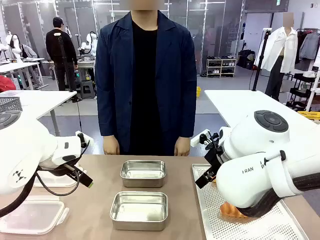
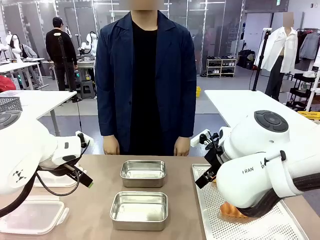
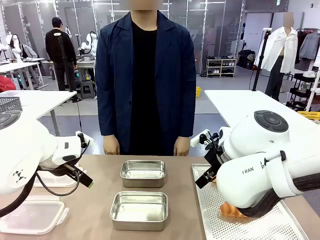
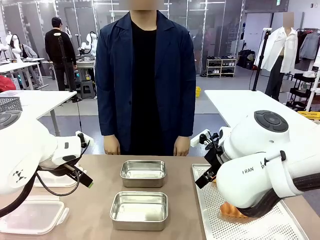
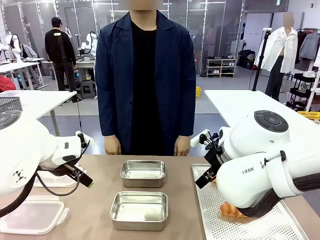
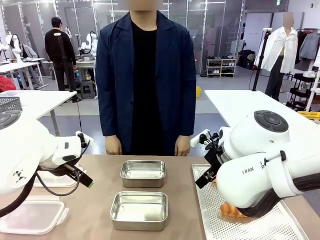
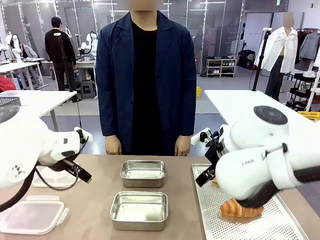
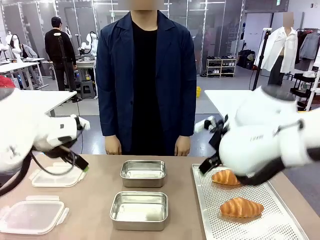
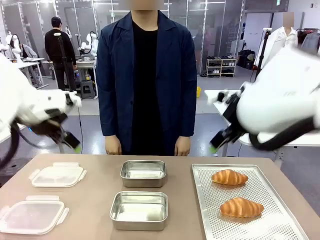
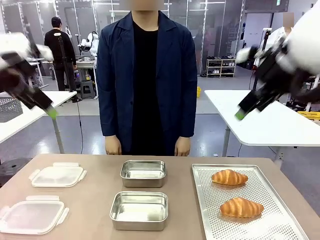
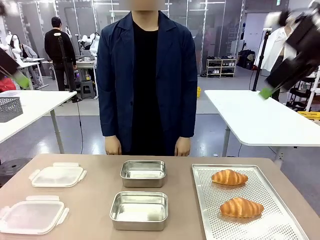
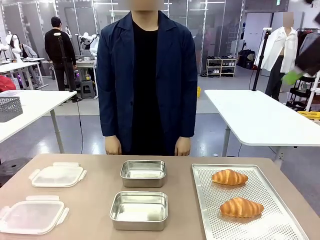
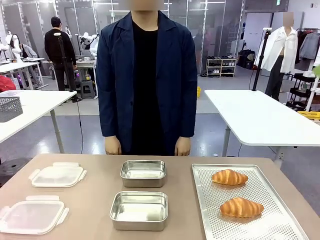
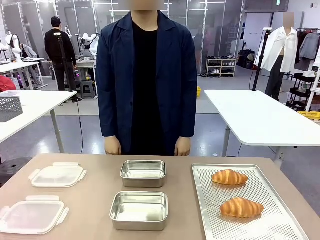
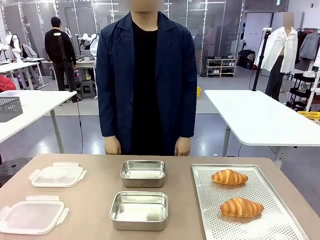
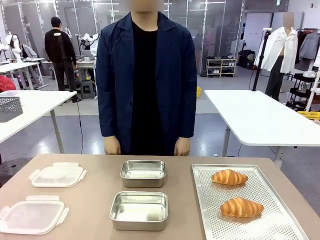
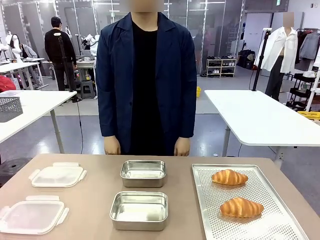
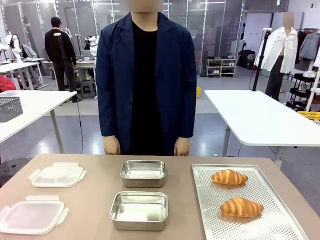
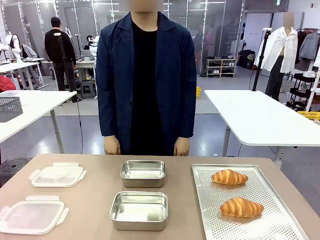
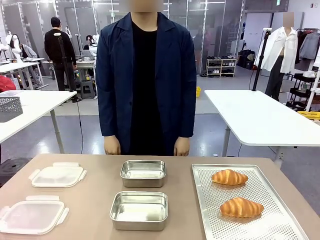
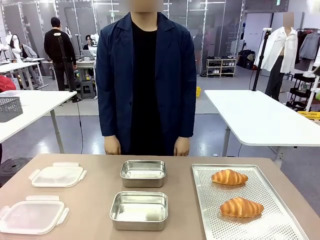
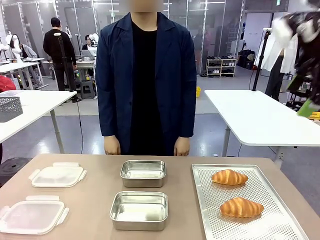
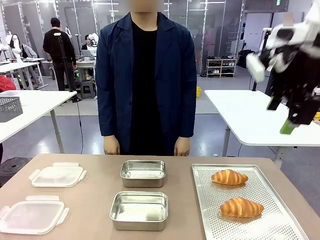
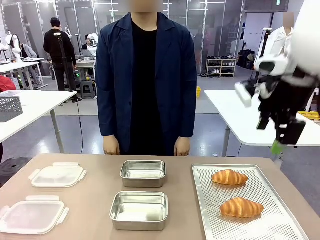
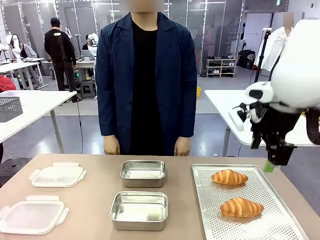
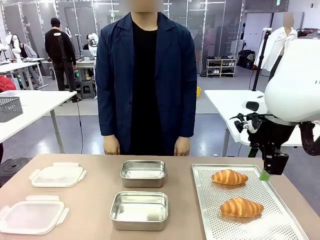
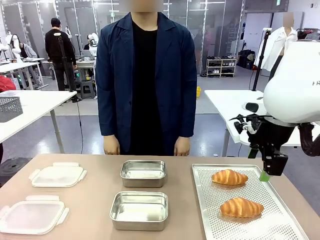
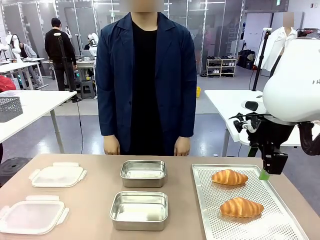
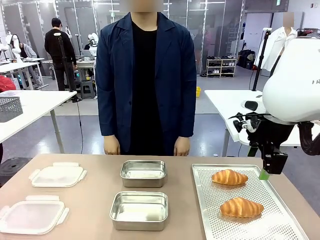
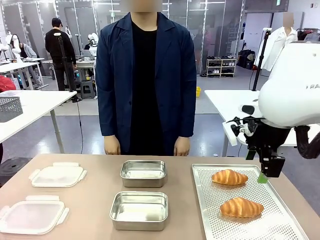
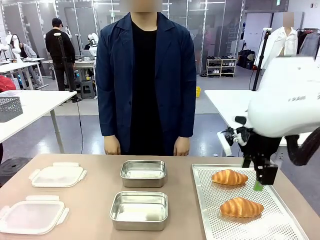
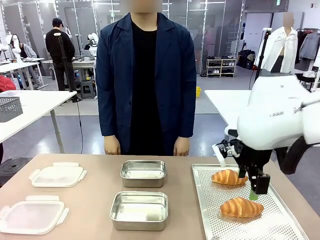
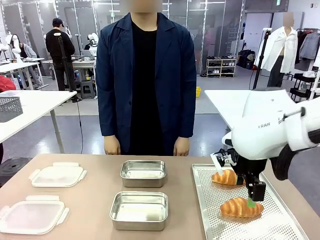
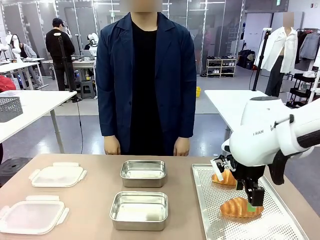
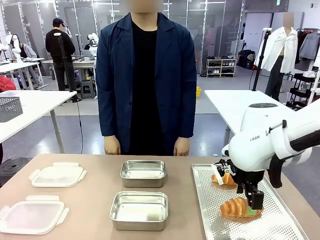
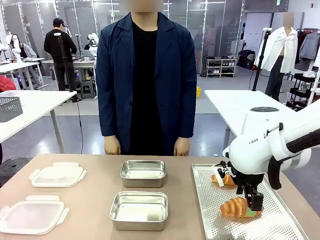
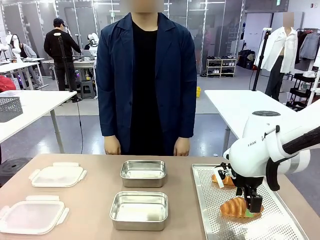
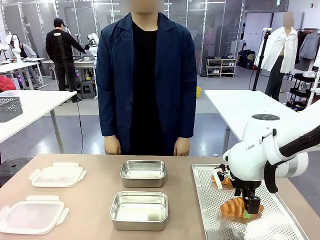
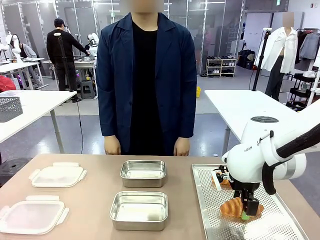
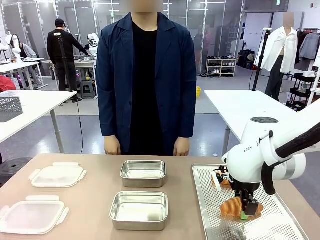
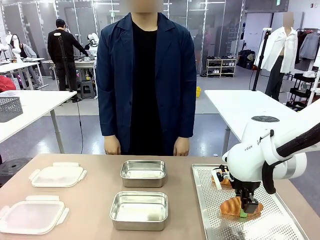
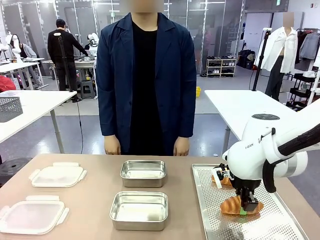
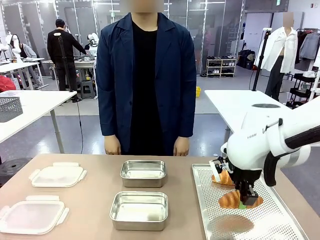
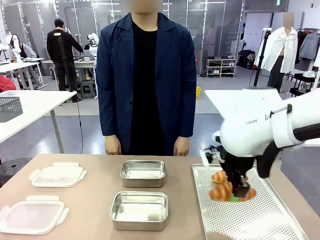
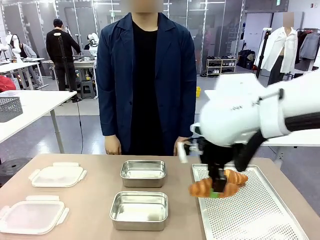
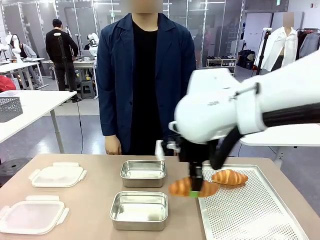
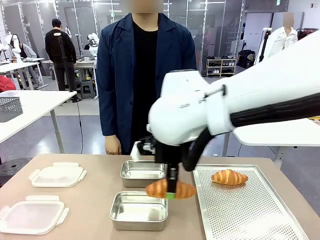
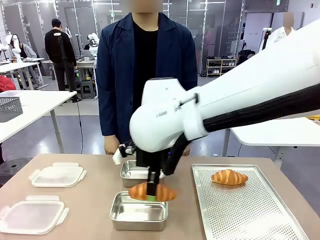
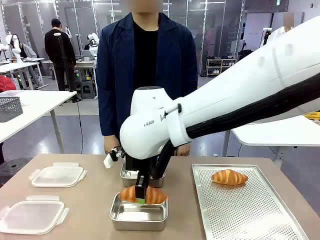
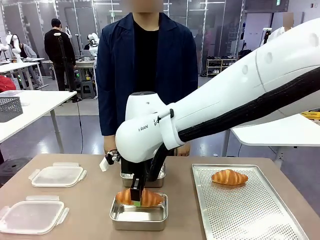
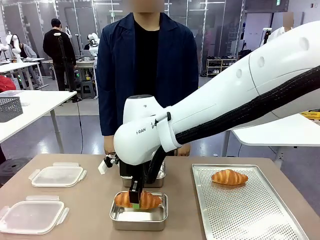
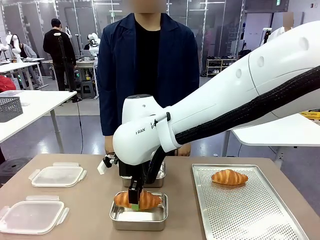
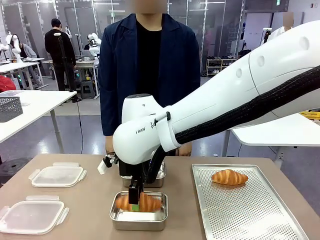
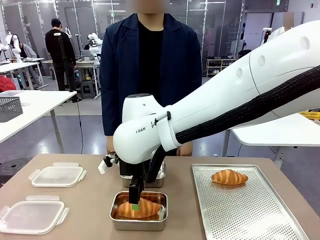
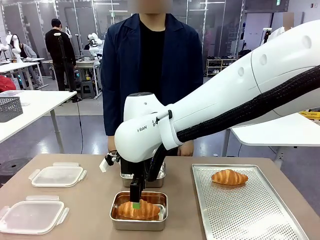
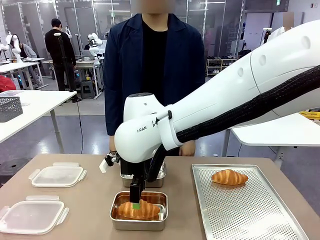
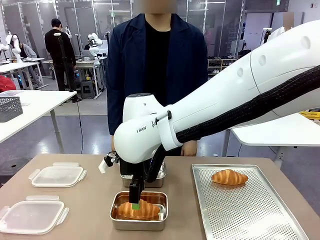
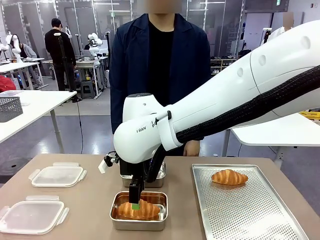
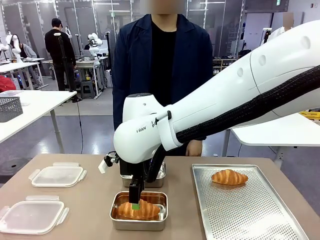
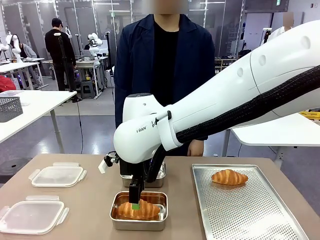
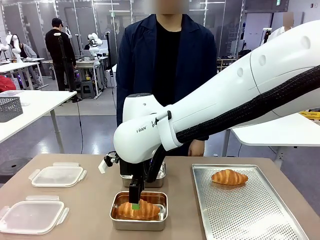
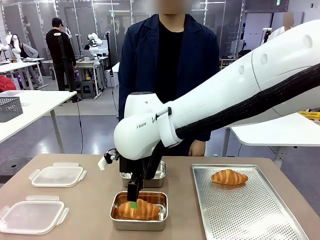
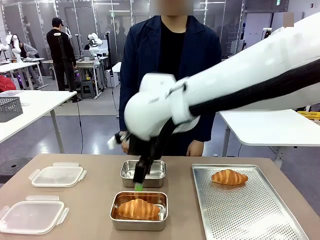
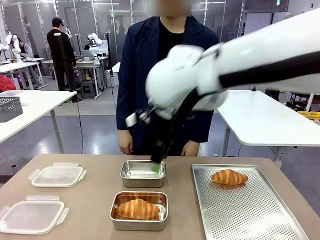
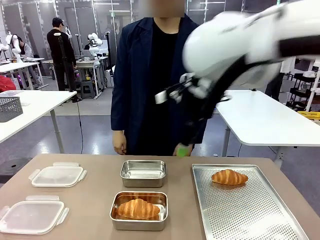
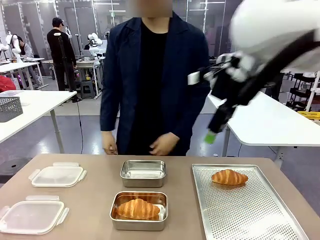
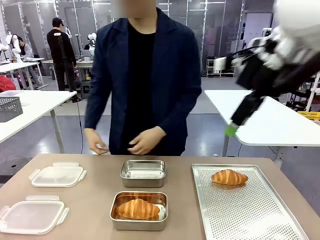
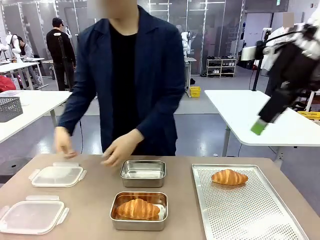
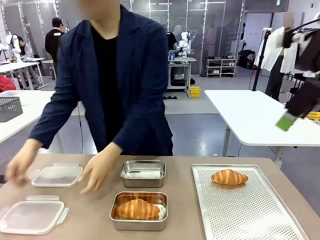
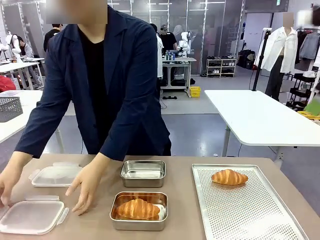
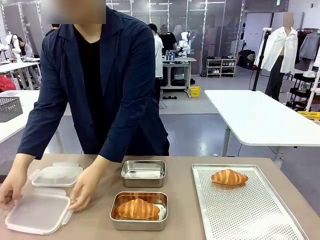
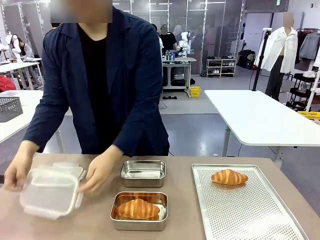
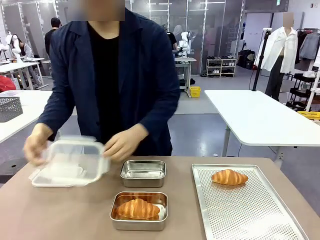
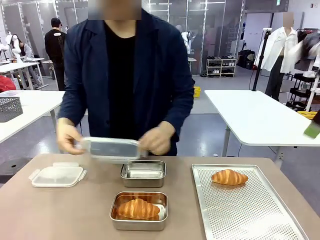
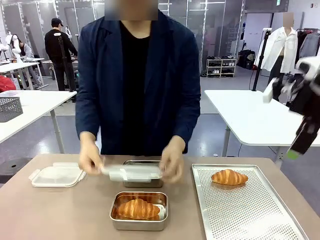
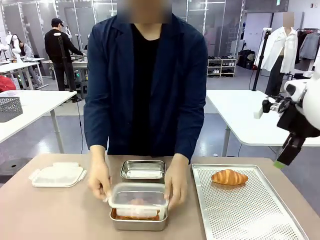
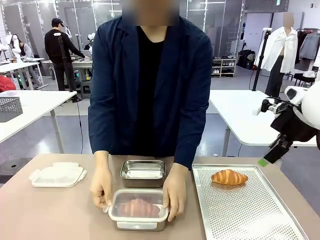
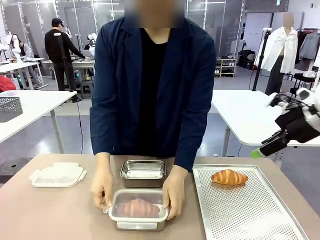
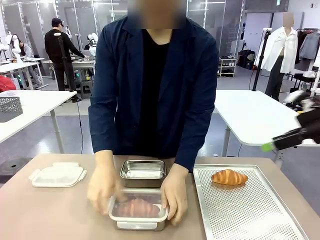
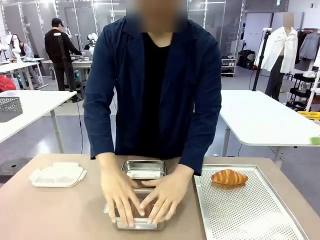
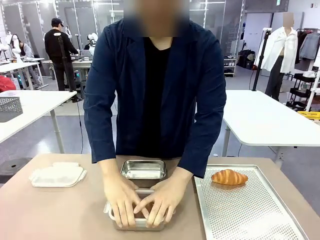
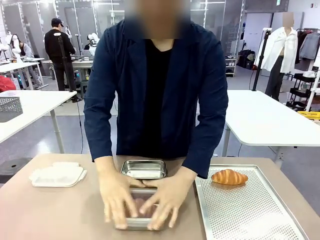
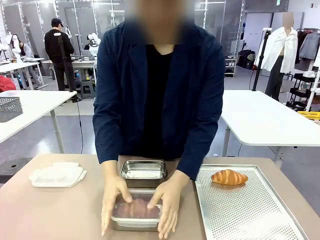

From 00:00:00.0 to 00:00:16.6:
Task: Place the bread into the airtight container.
Robot: Pick up a Butter Roll and place it into an empty Airtight Container.
